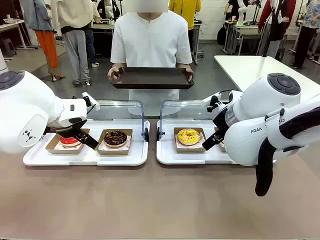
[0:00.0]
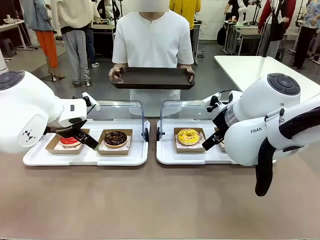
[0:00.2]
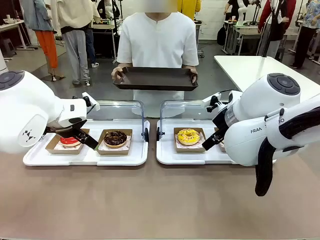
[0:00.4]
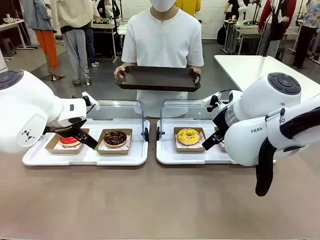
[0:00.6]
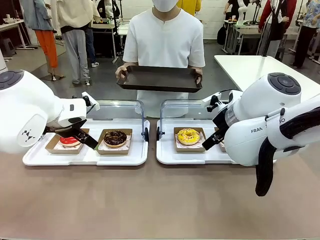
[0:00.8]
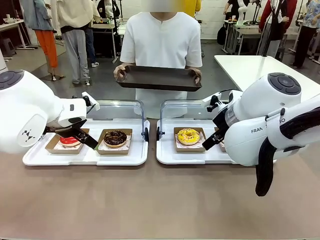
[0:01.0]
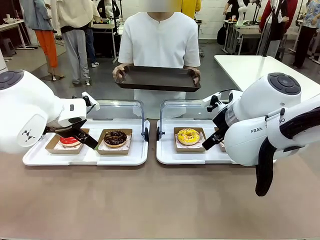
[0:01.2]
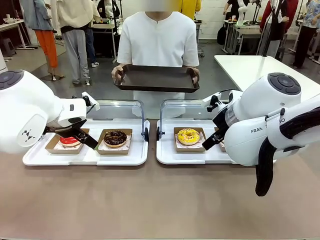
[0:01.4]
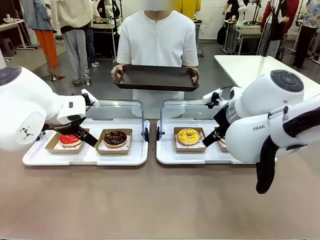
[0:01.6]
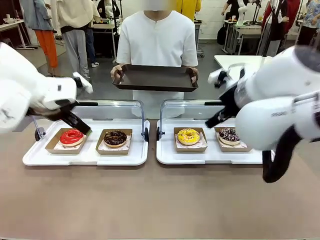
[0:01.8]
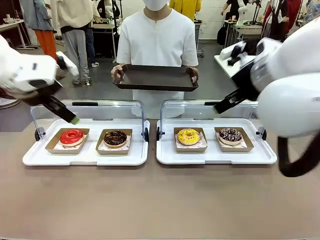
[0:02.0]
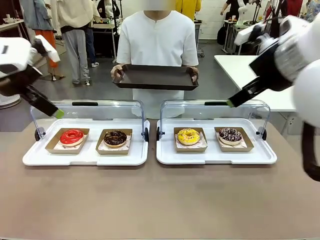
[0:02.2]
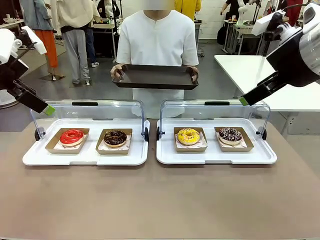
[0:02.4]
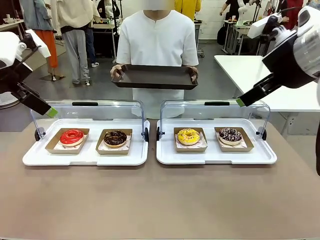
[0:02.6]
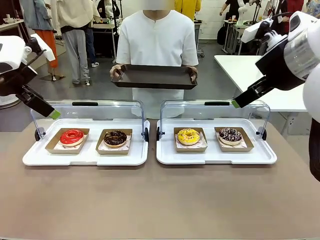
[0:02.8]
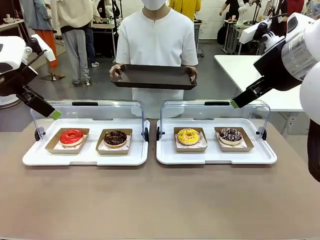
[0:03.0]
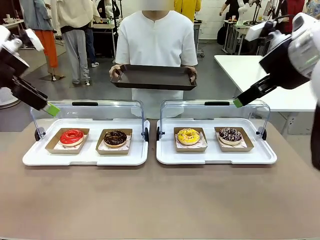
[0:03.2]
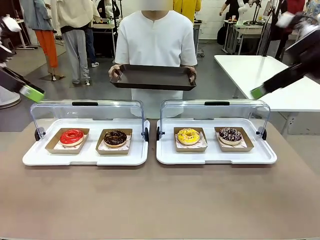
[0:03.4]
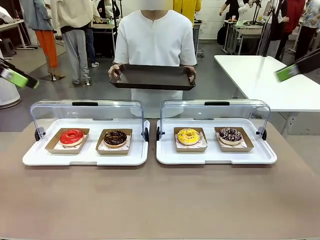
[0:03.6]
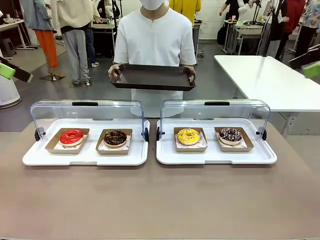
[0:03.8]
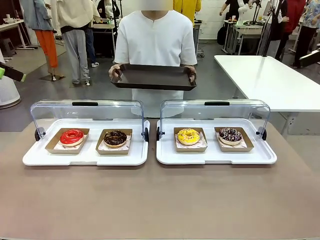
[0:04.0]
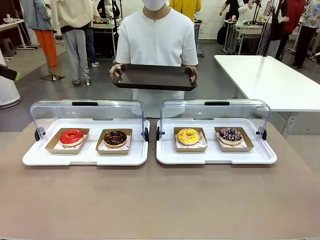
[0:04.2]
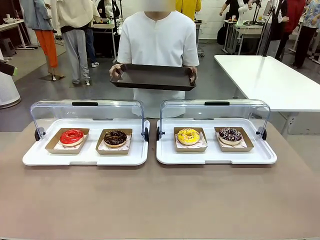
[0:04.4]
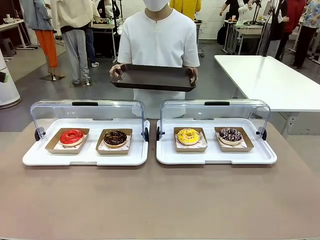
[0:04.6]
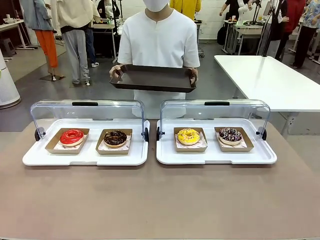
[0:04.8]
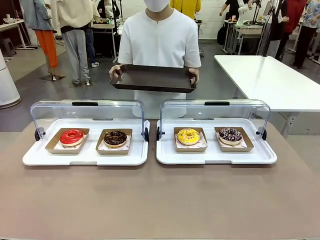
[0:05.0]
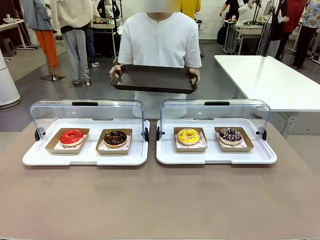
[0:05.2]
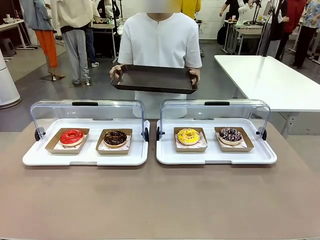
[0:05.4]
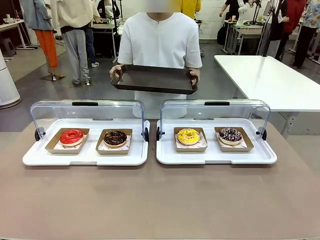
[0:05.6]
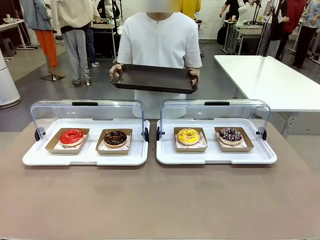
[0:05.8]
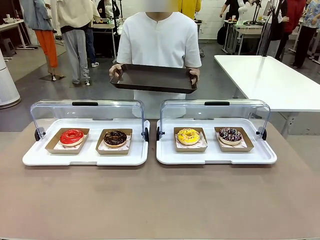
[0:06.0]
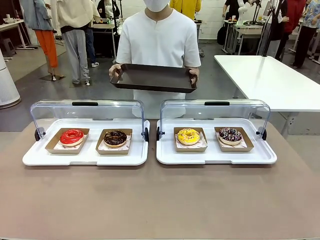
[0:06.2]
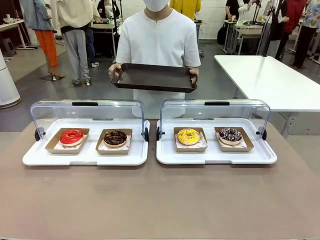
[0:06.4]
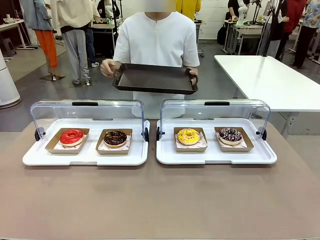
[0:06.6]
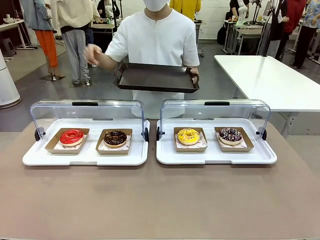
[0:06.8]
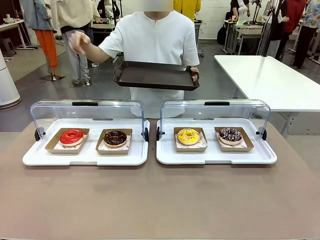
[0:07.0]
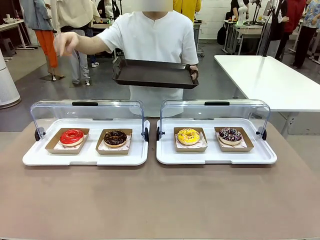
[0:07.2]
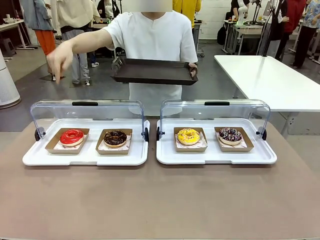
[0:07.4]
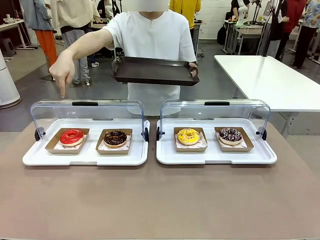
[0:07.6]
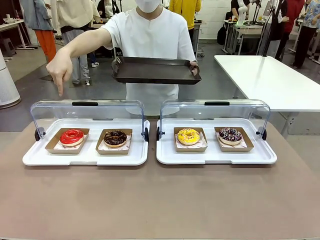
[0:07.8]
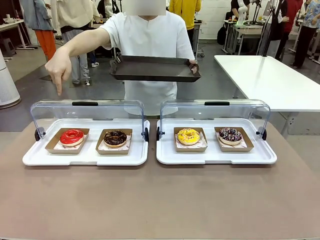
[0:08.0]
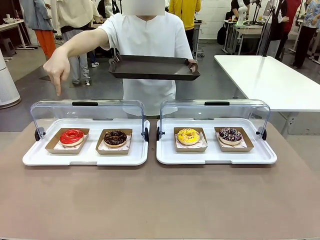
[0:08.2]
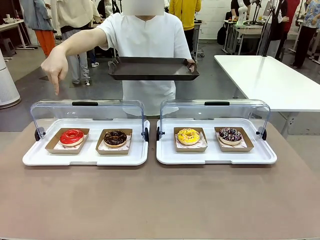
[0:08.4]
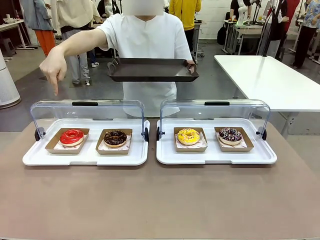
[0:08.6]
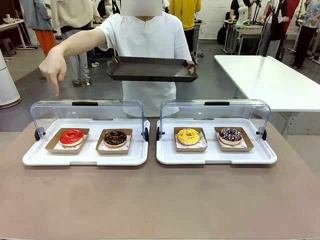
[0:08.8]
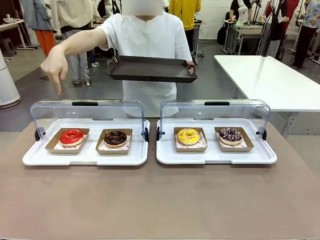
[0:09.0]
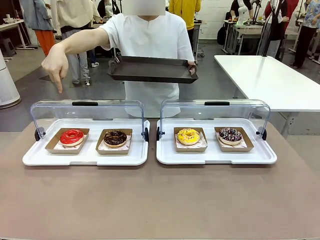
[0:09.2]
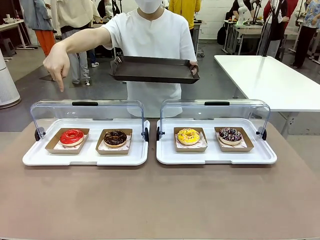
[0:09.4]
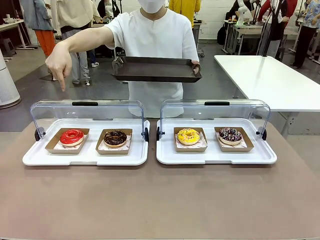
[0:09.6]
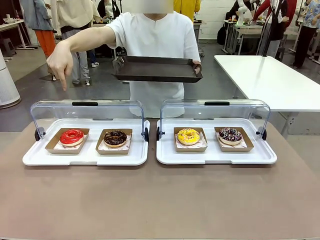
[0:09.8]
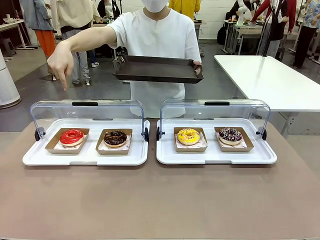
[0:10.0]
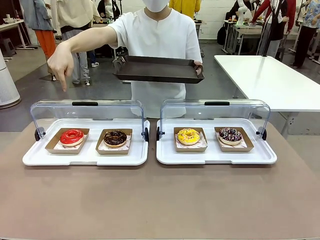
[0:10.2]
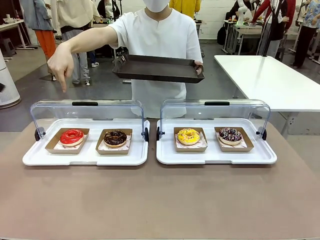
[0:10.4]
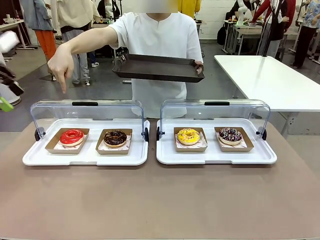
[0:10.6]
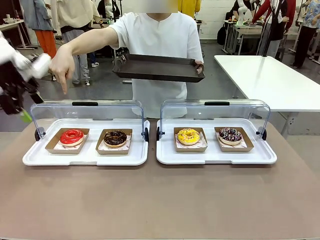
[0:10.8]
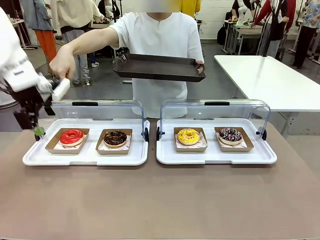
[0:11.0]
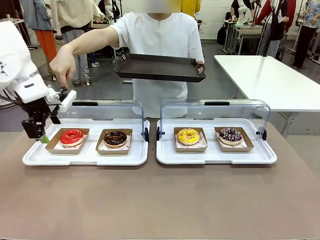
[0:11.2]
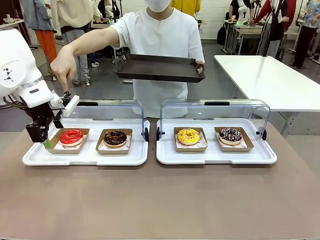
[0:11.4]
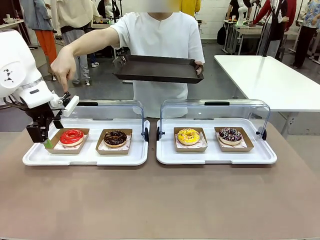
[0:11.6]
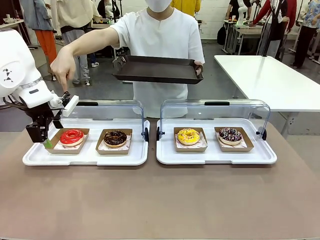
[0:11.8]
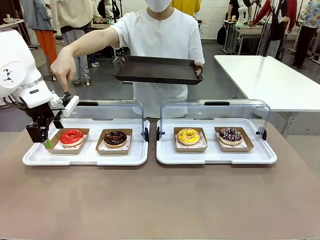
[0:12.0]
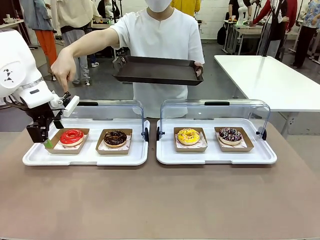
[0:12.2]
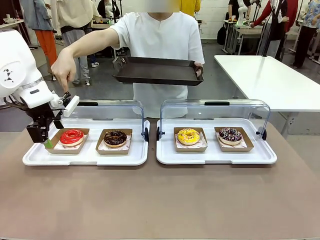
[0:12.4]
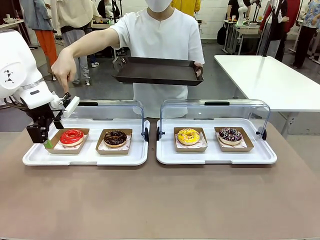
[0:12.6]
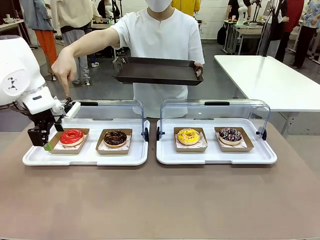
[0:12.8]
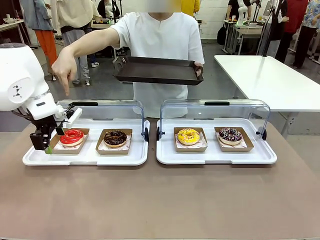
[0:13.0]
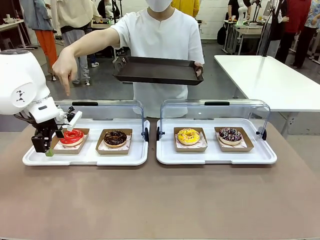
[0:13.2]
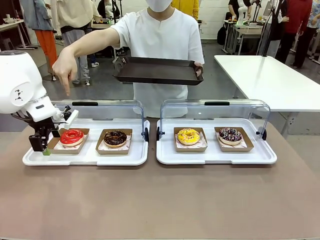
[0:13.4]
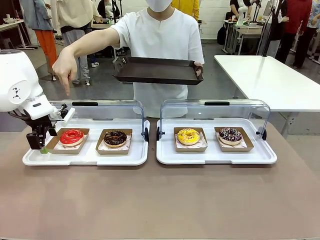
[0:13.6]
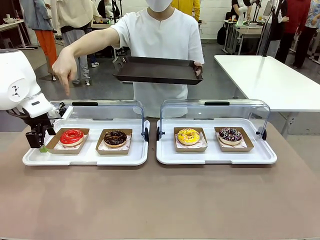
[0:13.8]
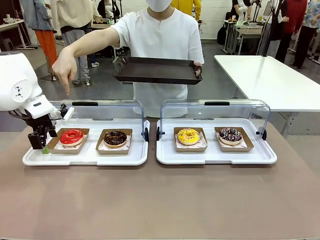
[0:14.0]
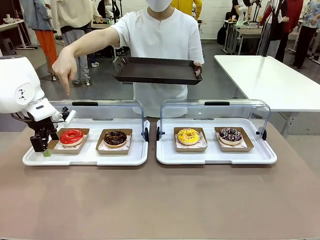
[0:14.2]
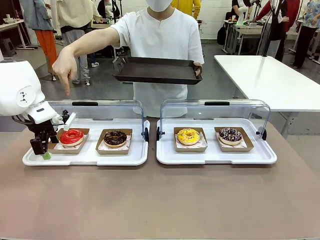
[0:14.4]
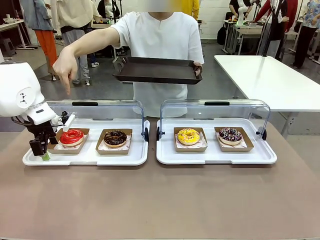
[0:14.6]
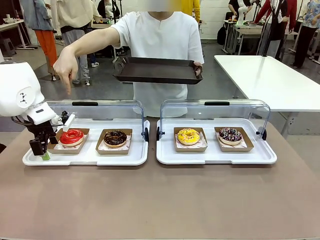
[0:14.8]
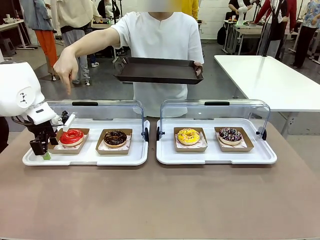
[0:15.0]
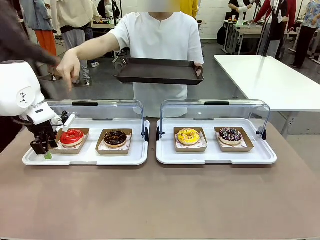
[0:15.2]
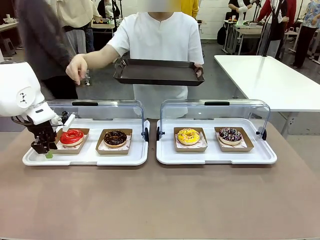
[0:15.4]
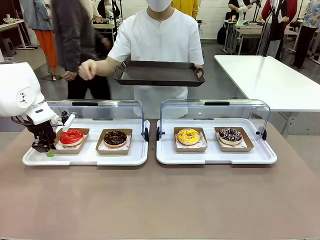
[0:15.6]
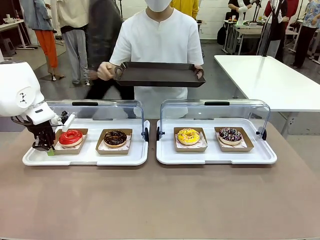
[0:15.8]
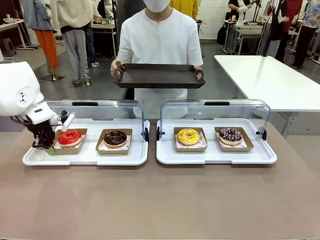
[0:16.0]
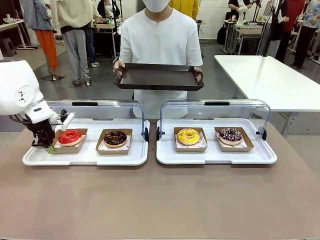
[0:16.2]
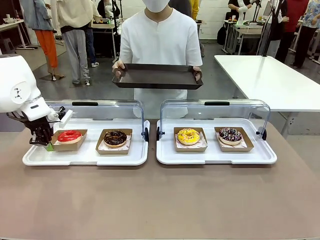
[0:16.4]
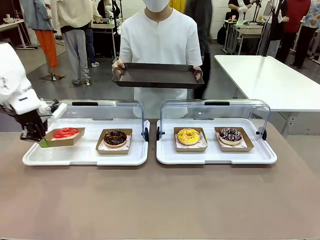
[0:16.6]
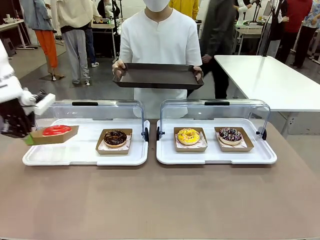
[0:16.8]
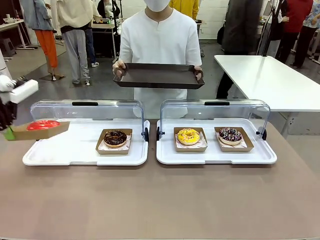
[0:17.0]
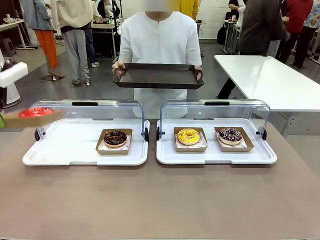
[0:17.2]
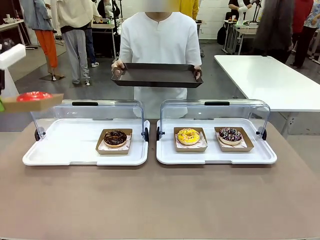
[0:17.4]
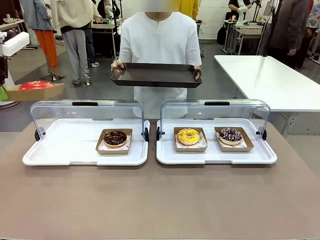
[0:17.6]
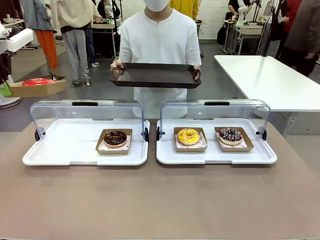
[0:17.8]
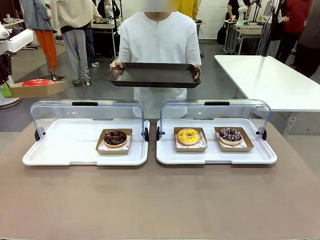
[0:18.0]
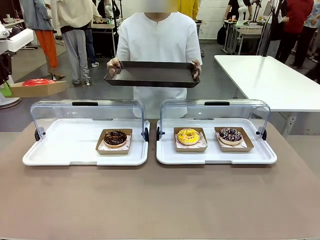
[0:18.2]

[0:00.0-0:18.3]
Task: Provide the desired donut to the person.
Robot: Pick up and lift the Paper togo box containing the Donut pointed at by the person.
Person: Point to one donut. Lift the tray onto the Roll-Top Bakery Case.
